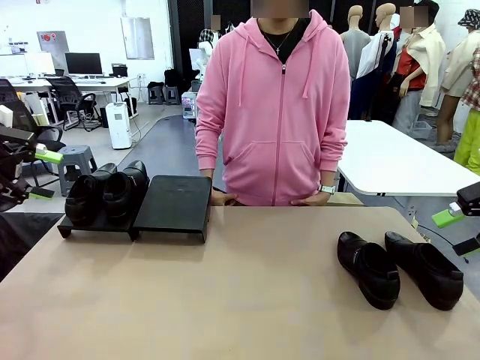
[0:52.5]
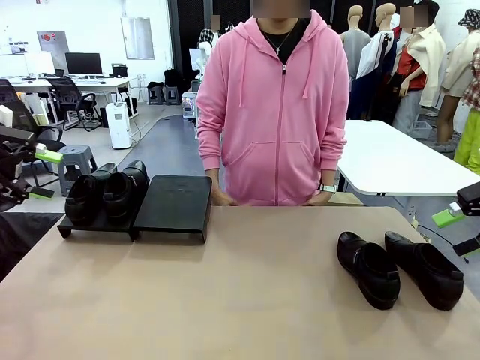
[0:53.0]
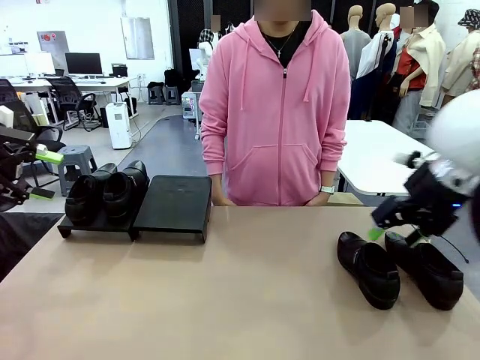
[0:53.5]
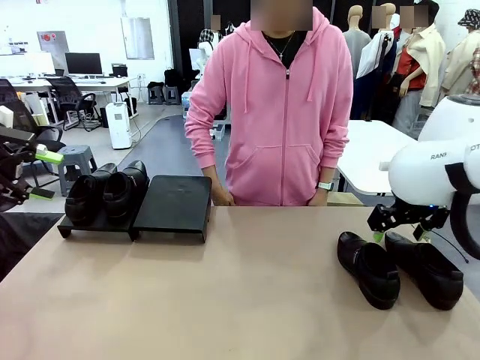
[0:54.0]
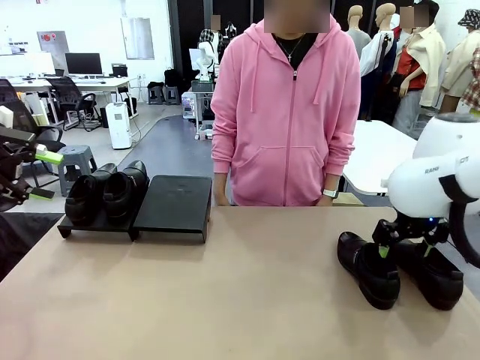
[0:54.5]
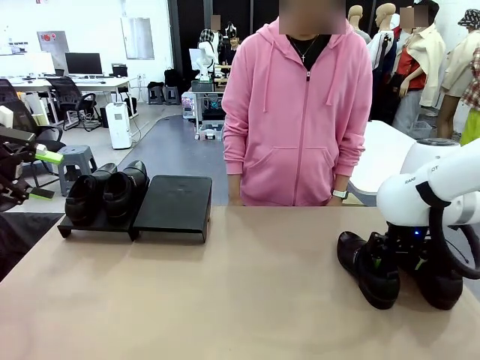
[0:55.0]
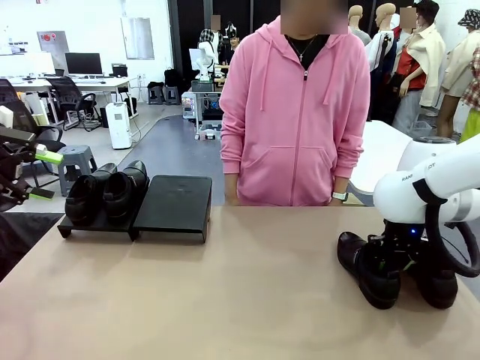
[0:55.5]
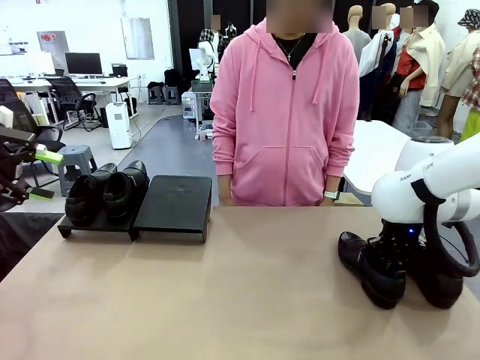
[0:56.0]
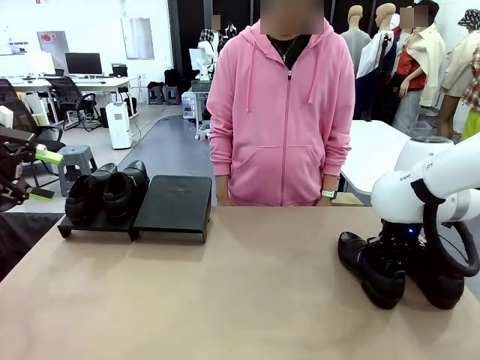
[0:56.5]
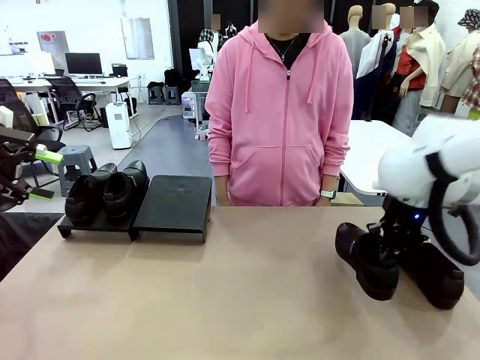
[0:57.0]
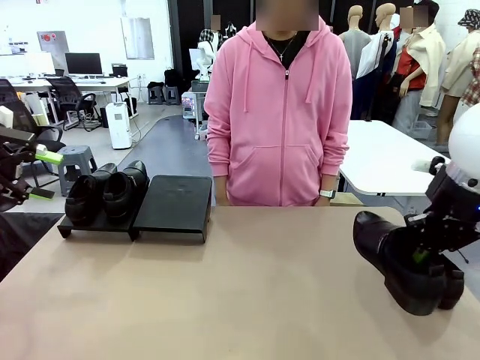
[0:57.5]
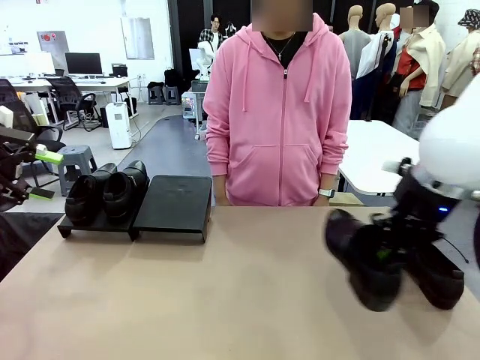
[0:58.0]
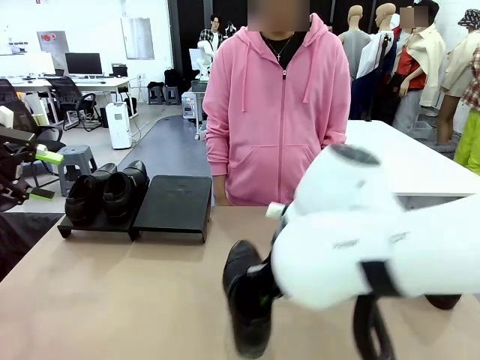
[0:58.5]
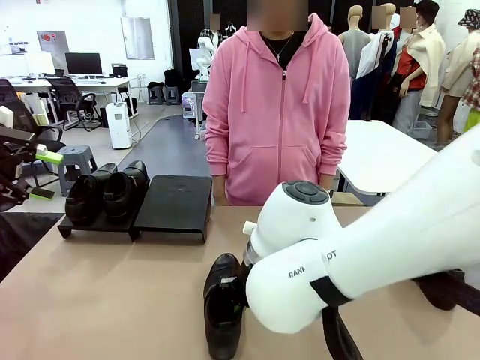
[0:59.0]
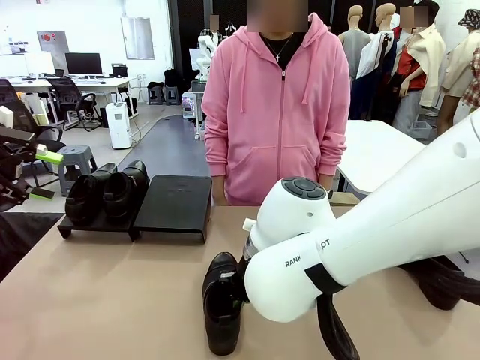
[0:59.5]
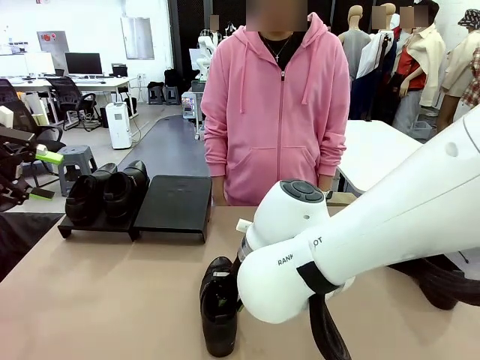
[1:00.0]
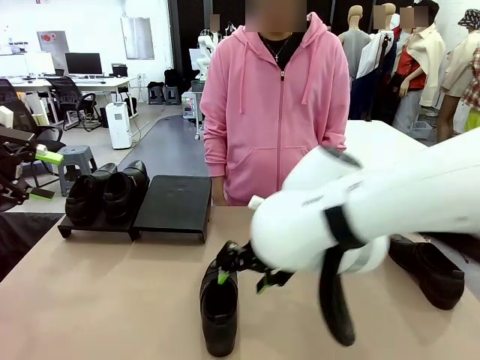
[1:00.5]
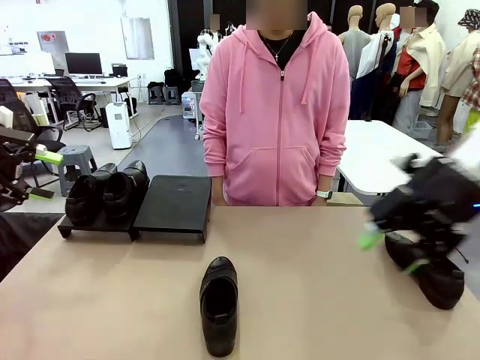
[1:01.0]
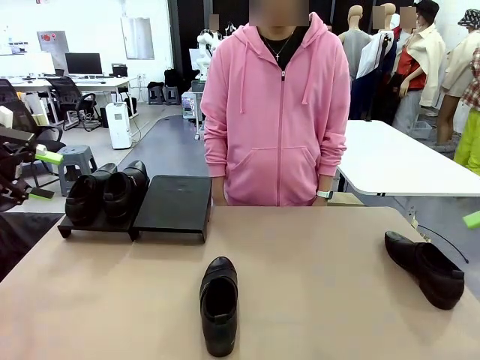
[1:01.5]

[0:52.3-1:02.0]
Task: Organize the shoes by placing them on the stand.
Robot: Pick up one Shoe and place it in the middle of the table.

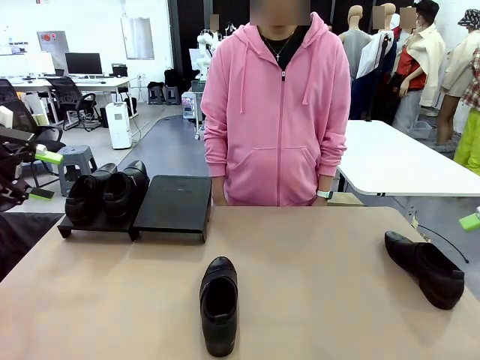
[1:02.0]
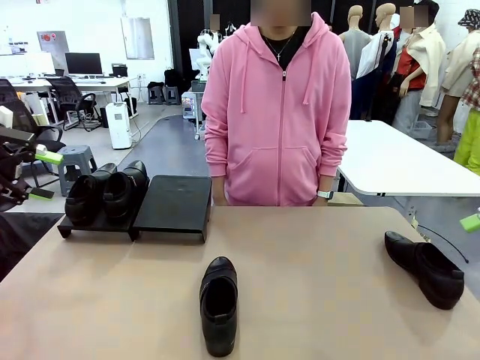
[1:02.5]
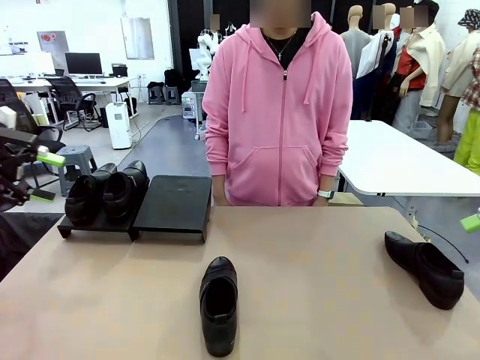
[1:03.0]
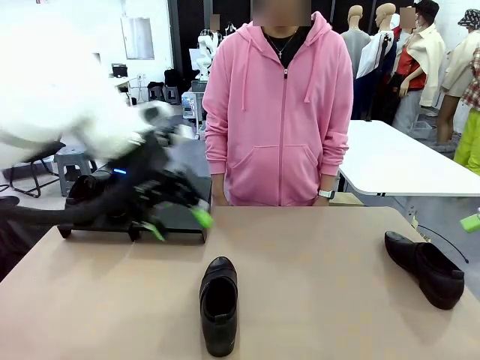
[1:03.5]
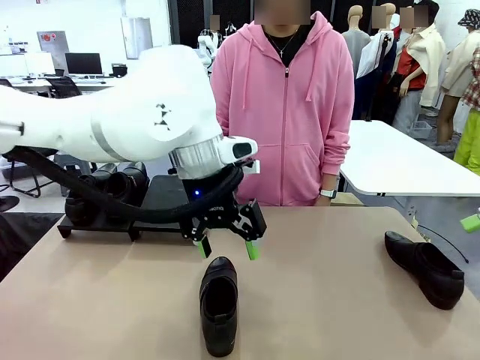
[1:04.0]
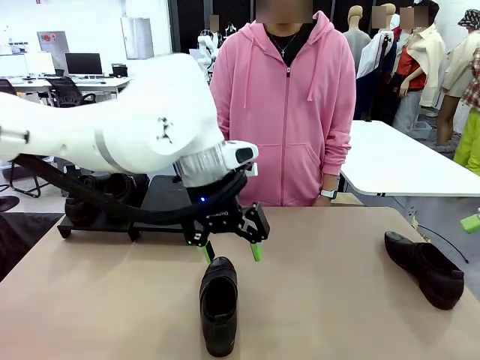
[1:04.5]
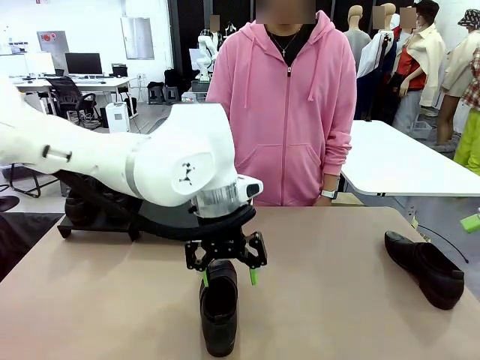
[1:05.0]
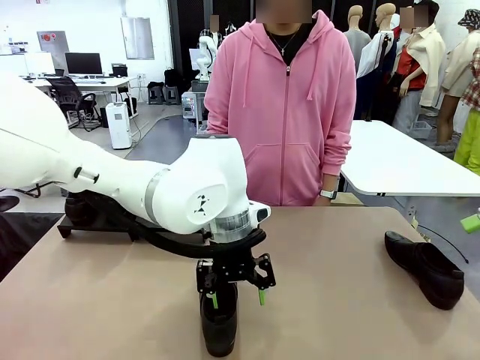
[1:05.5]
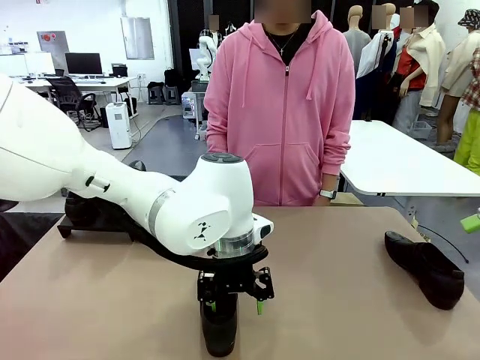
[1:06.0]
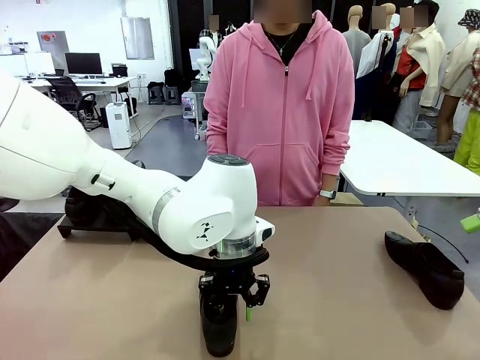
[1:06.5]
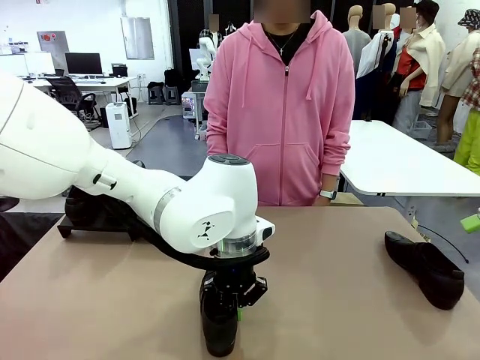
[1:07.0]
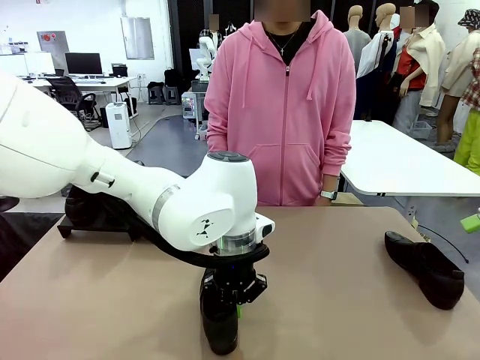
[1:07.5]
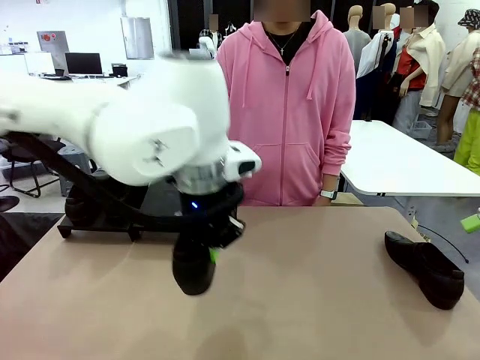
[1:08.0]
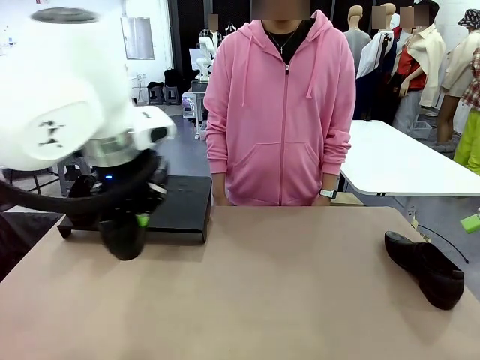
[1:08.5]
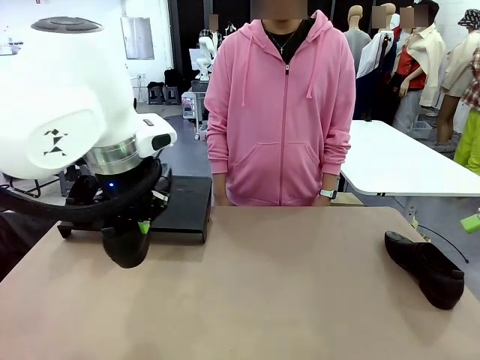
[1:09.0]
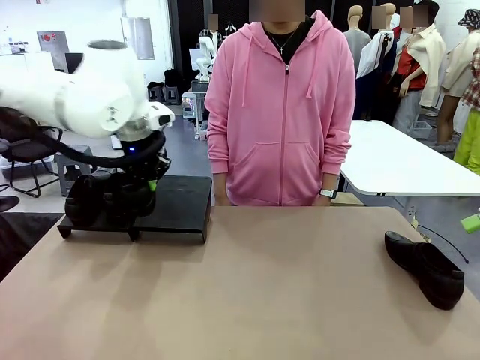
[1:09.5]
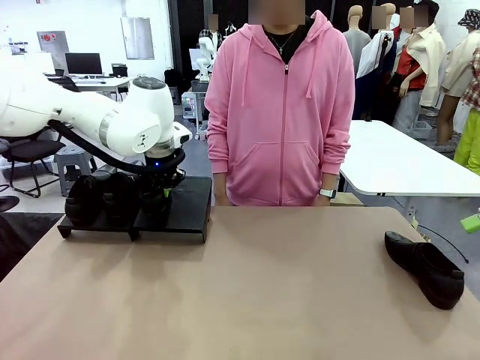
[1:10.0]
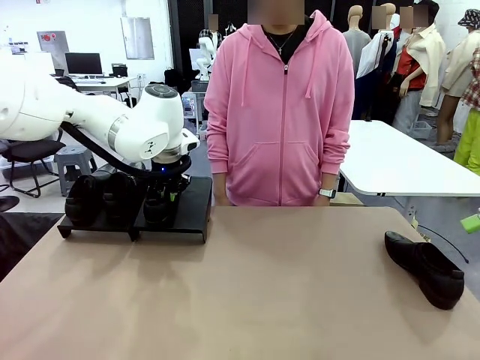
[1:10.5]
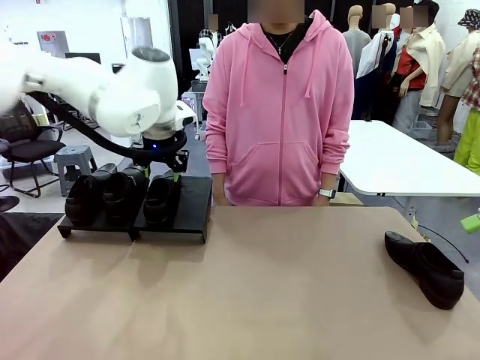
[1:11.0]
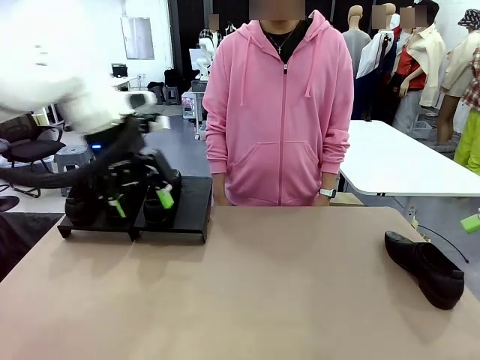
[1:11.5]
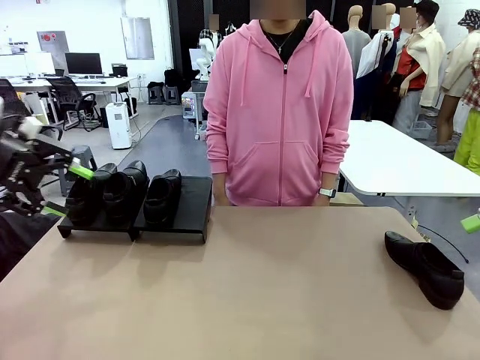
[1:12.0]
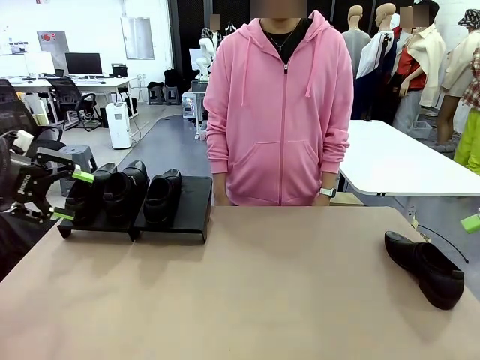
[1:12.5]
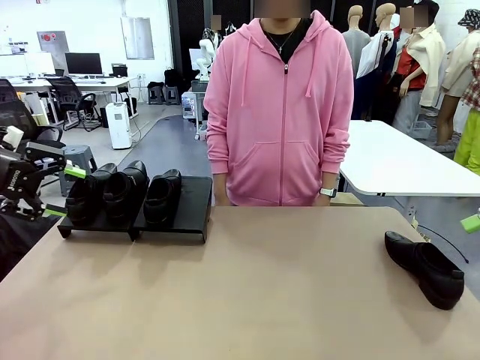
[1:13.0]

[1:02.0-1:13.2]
Robot: Place the Shoe from the middle of the table onto the Shoes Stand.

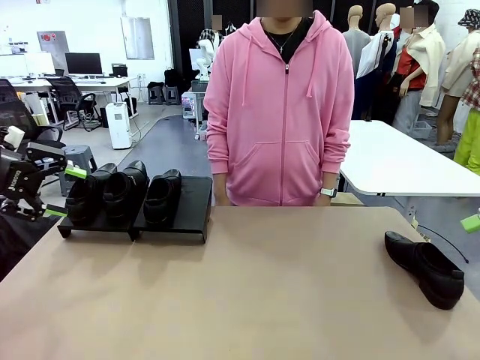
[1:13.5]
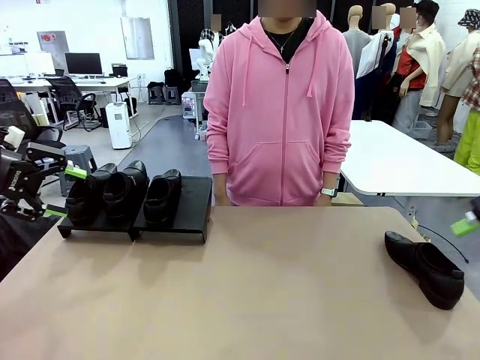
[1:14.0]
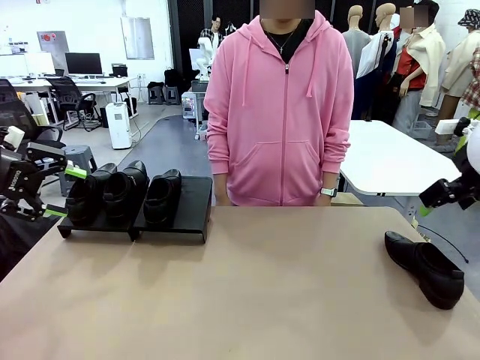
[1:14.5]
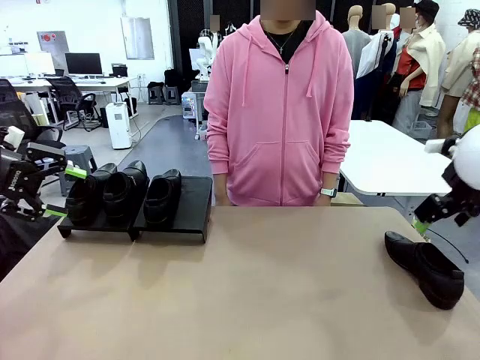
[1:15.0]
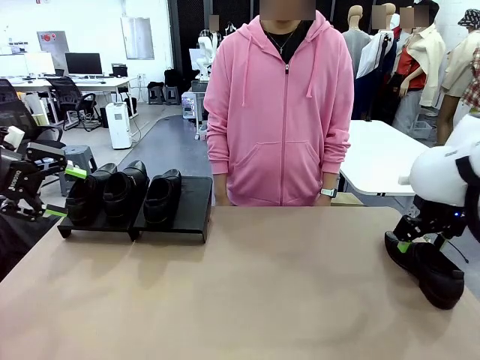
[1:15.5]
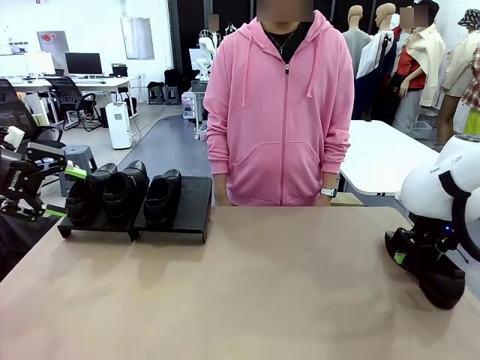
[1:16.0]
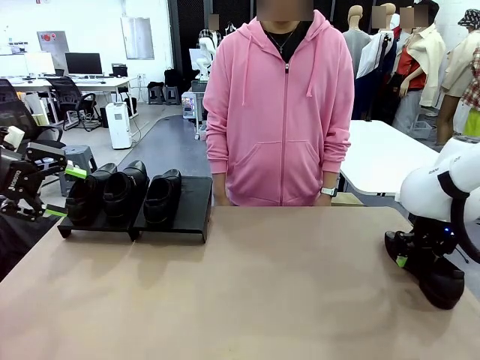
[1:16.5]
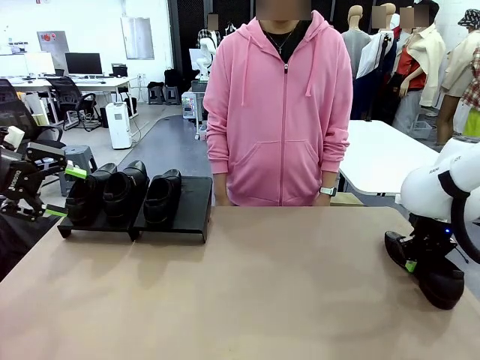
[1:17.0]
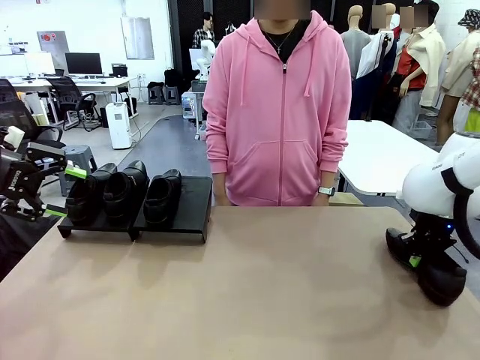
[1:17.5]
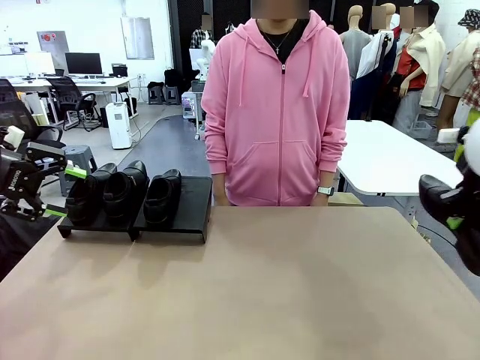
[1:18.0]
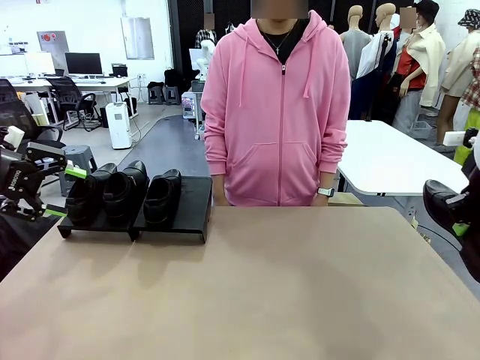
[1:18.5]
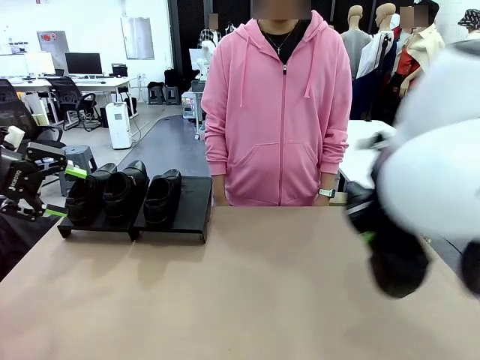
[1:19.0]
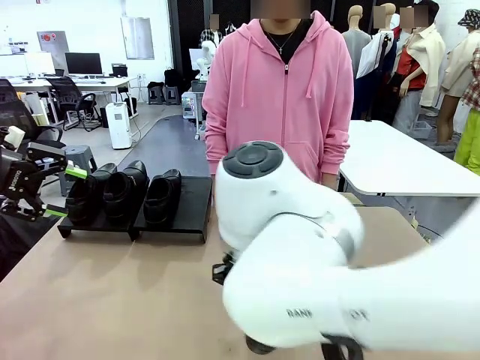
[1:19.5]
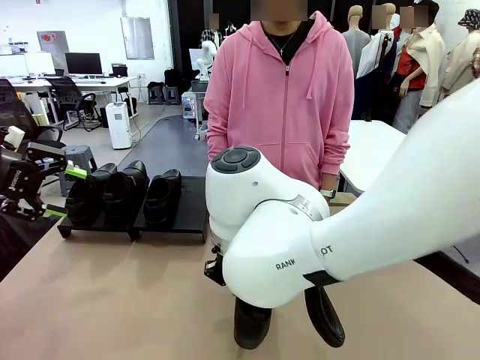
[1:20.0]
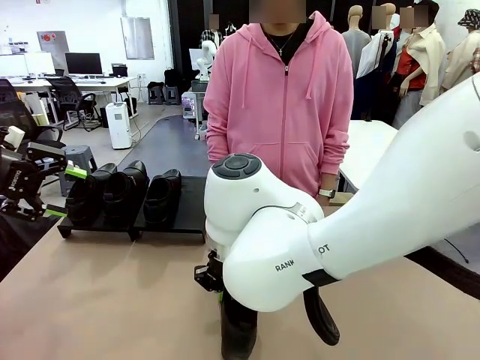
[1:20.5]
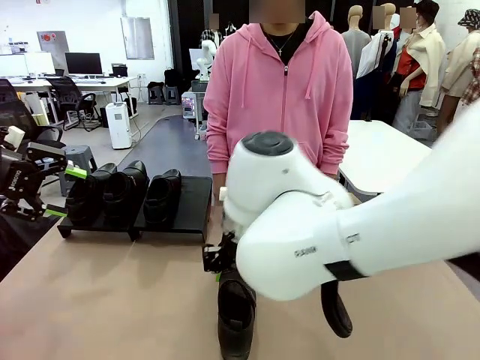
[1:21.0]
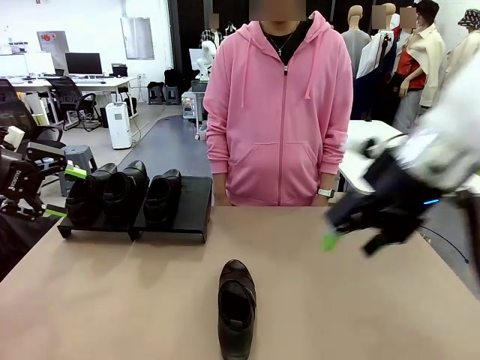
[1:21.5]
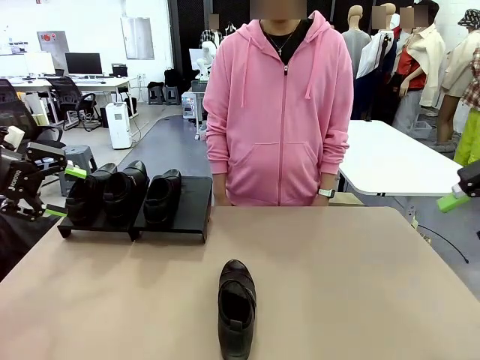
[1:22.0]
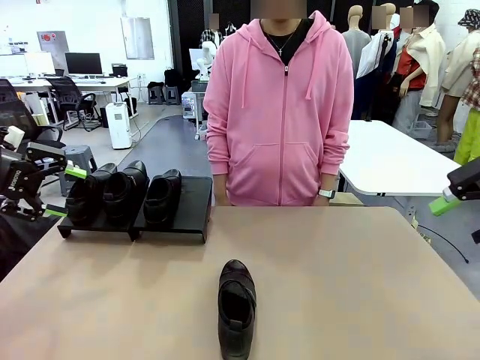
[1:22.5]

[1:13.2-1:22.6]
Robot: Pick up one Shoe and place it in the middle of the table.
